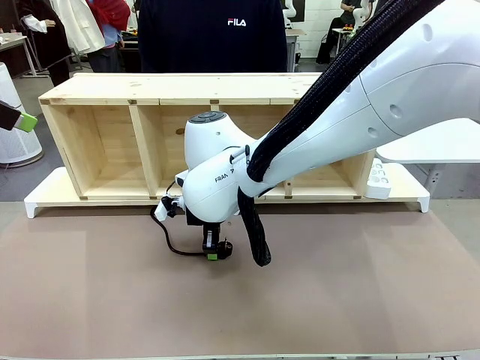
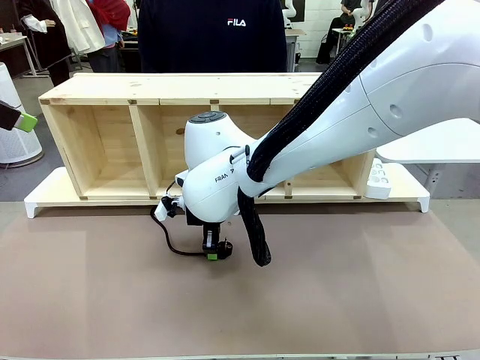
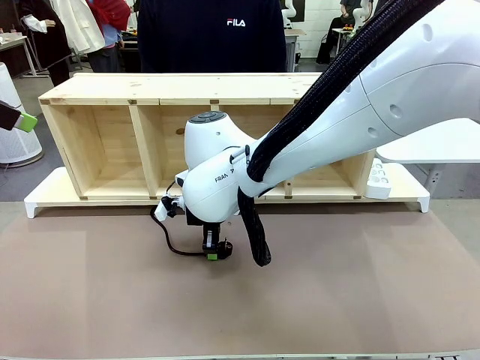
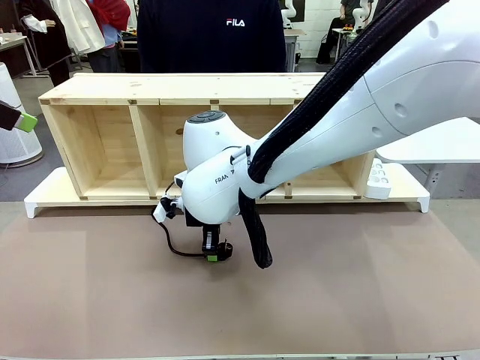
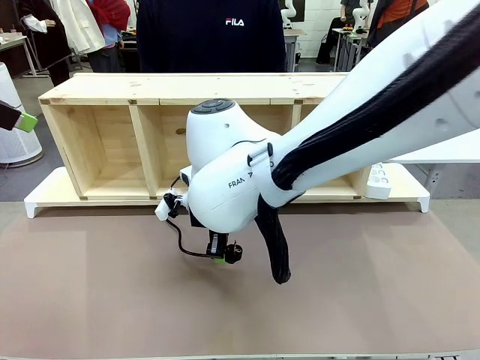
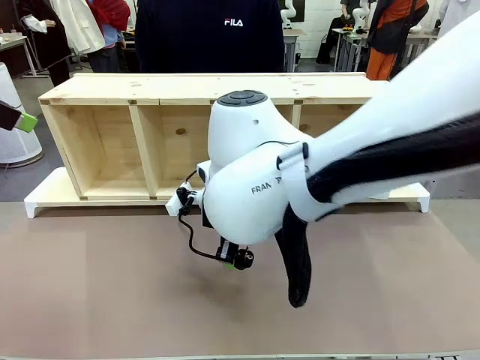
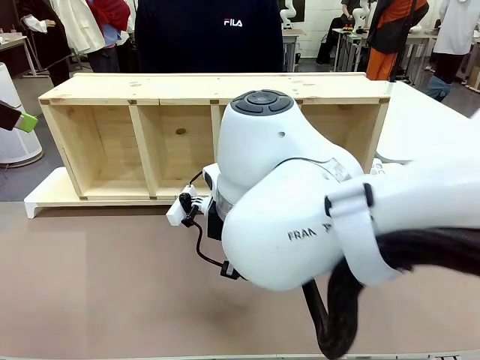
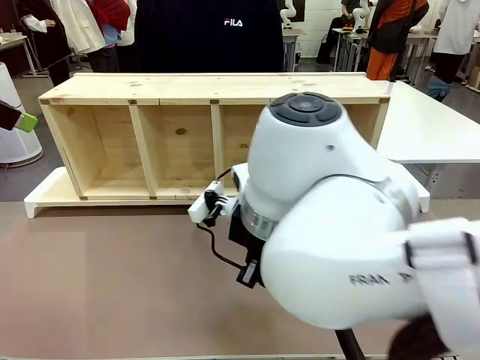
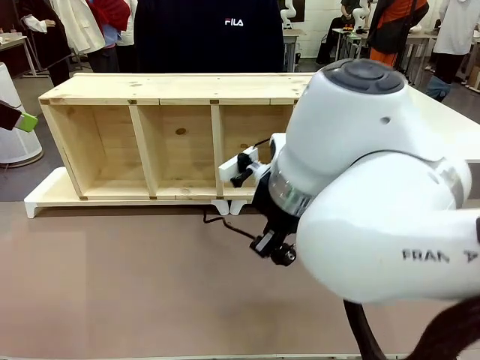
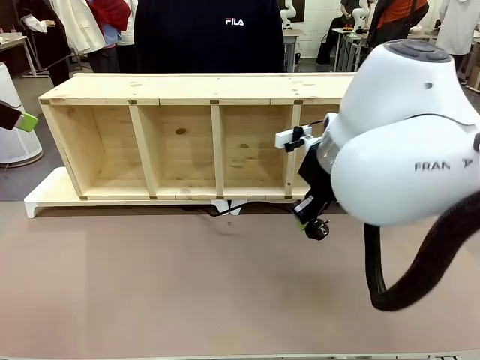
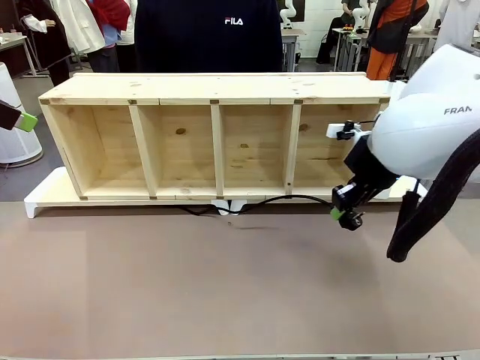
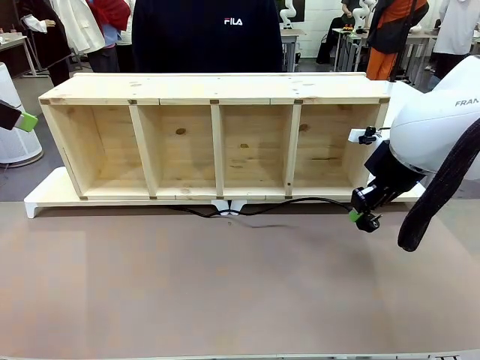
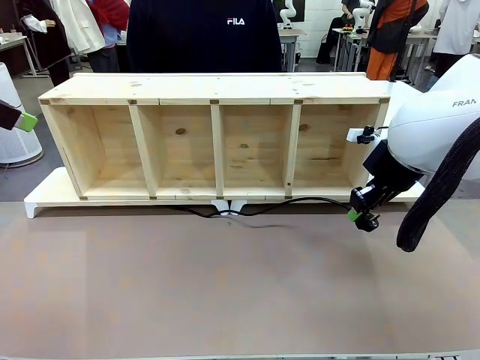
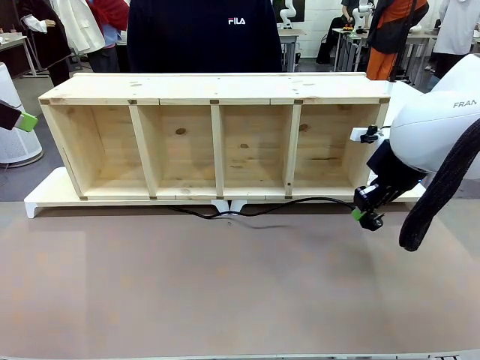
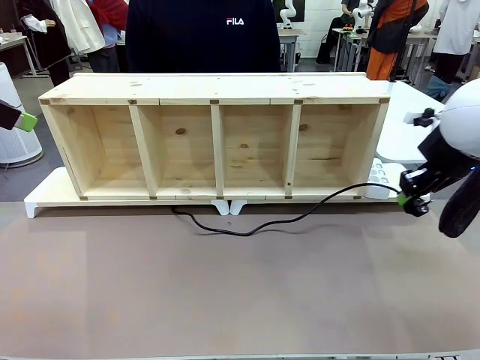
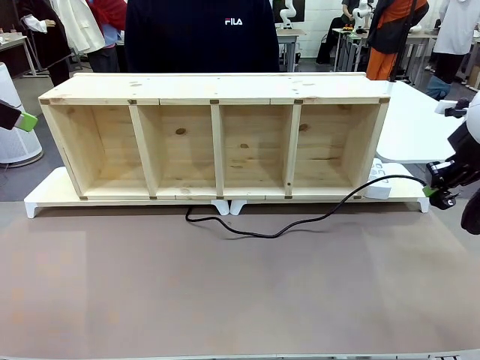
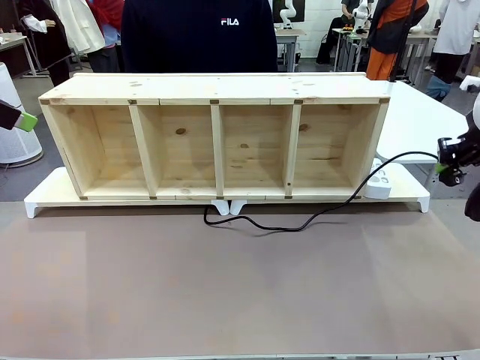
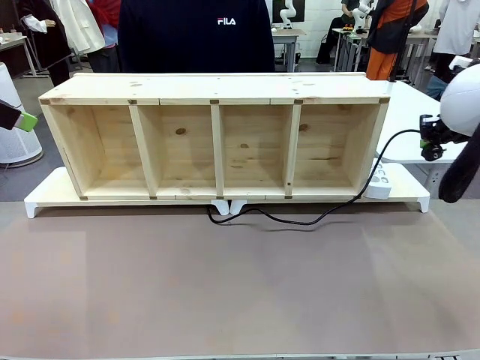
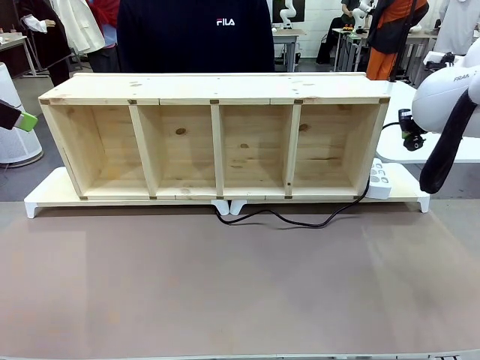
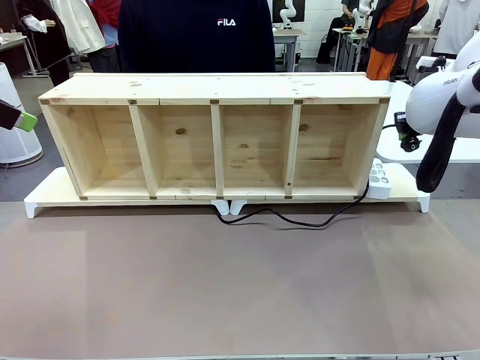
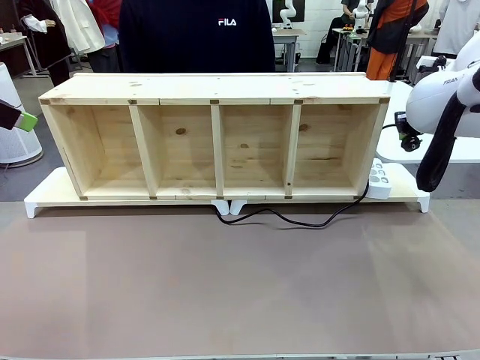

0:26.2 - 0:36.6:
Task: Perform cable management.
Robot: Pull the grasped Power Cable to the location of the Power Strip.

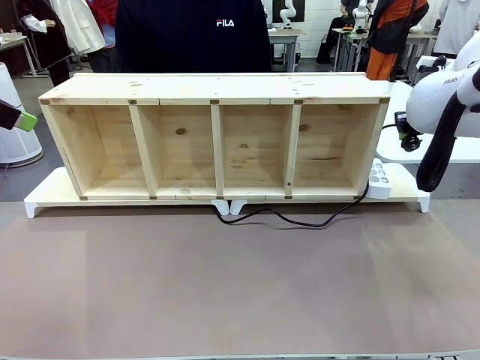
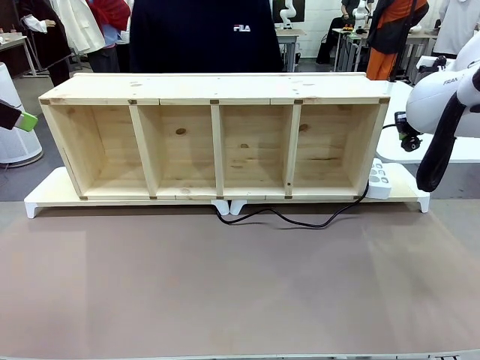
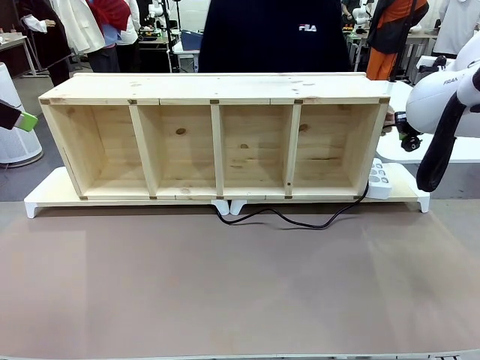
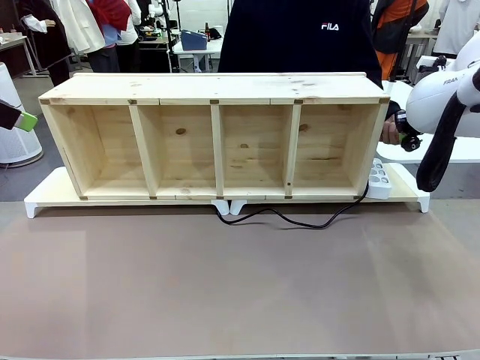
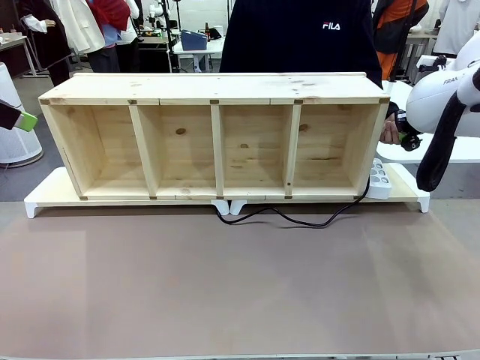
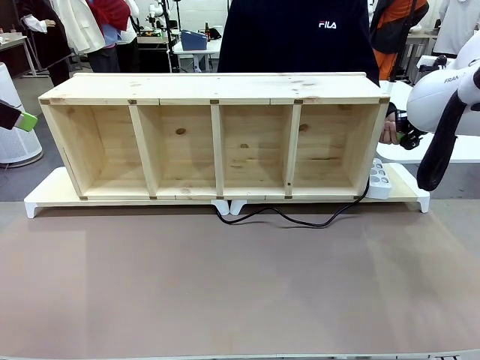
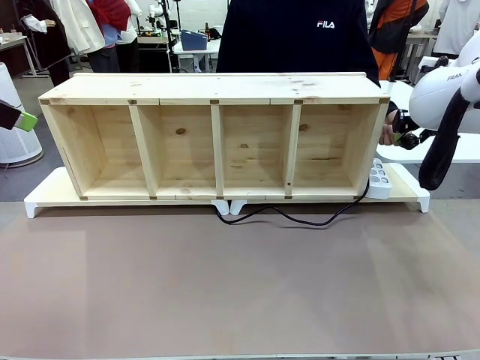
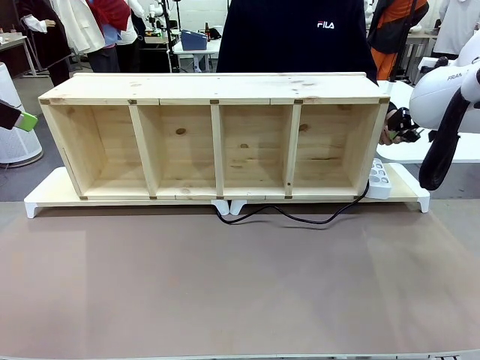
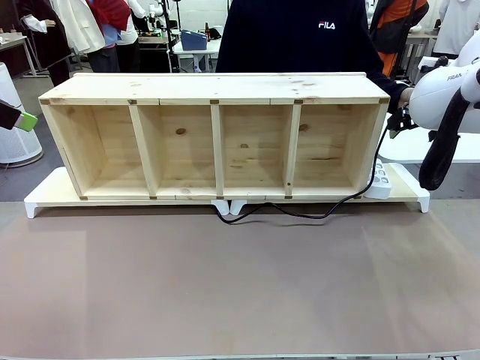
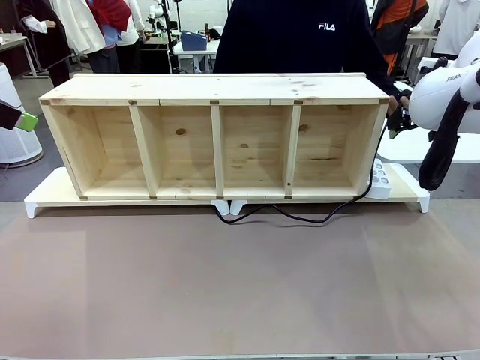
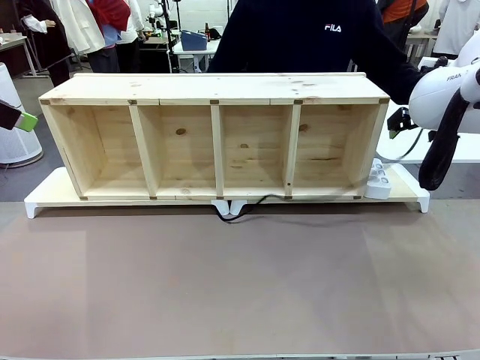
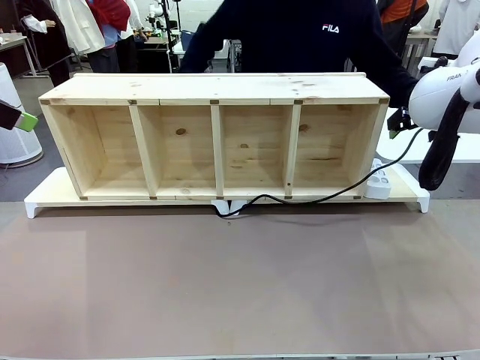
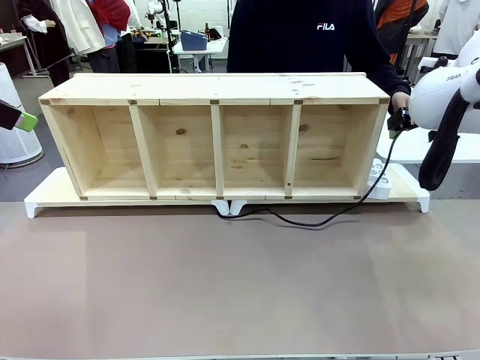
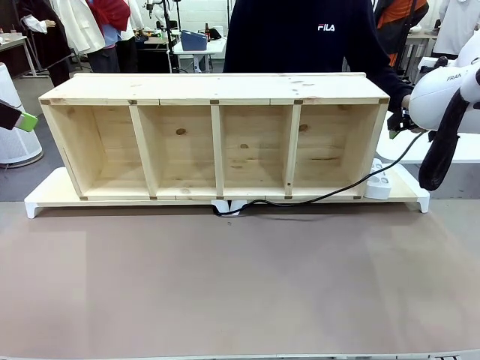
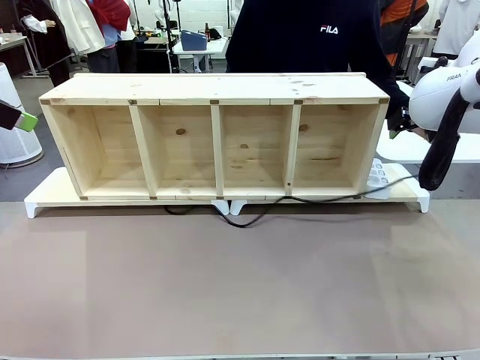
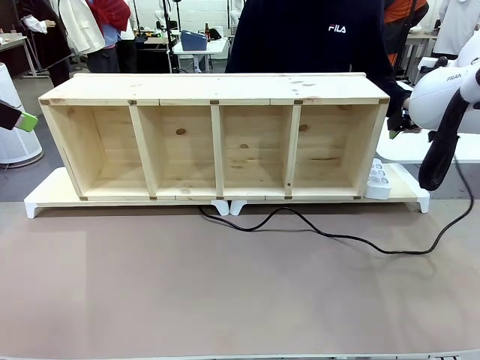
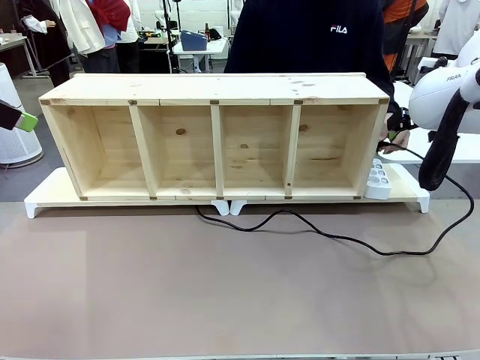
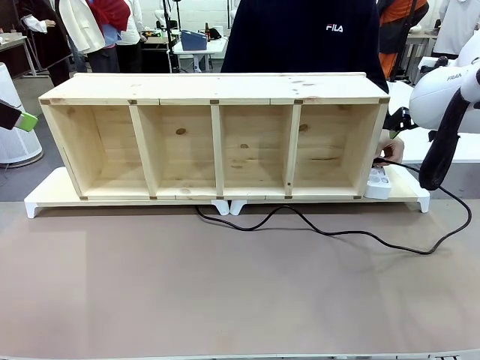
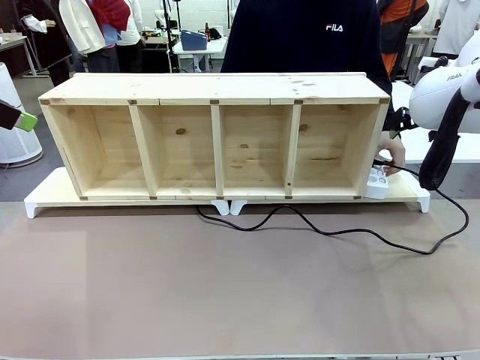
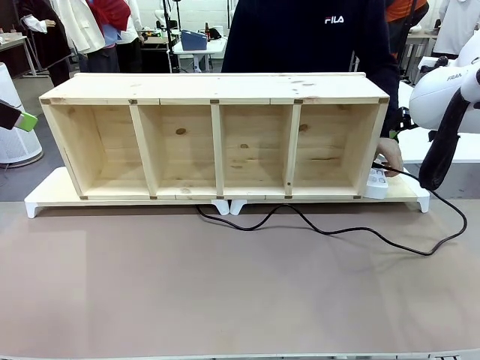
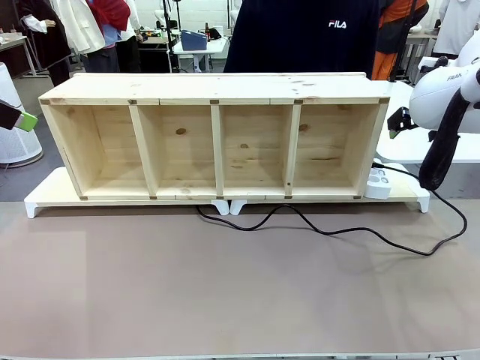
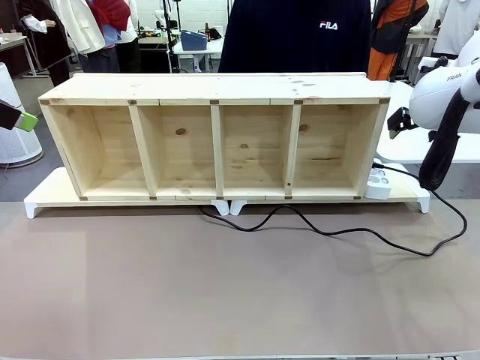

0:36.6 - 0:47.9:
Robot: Release the Power Cable when the human grasps it.
Person: Plug the Power Cable into the Power Strip.
